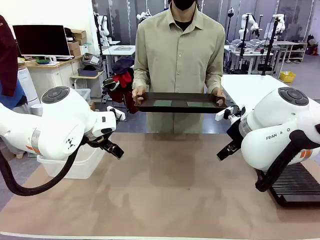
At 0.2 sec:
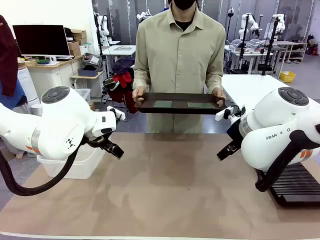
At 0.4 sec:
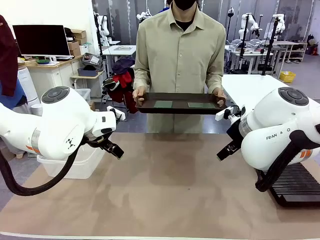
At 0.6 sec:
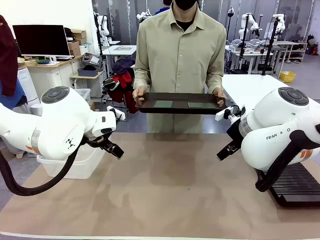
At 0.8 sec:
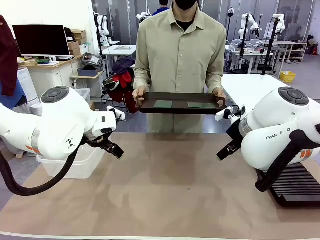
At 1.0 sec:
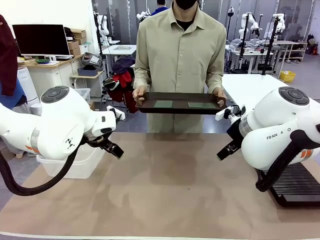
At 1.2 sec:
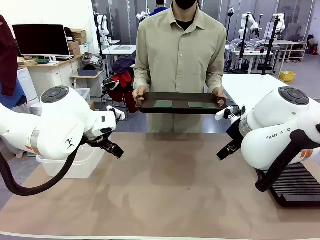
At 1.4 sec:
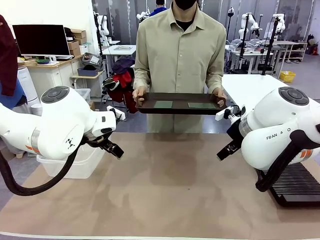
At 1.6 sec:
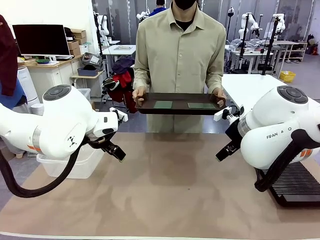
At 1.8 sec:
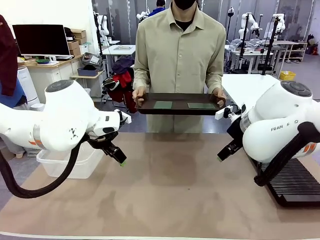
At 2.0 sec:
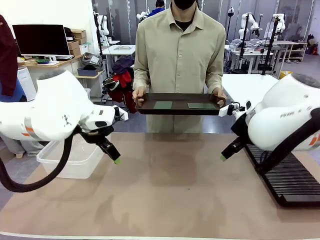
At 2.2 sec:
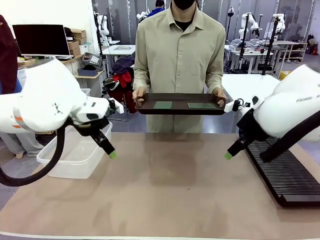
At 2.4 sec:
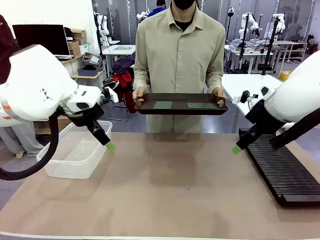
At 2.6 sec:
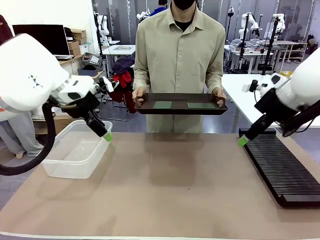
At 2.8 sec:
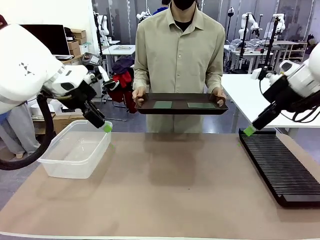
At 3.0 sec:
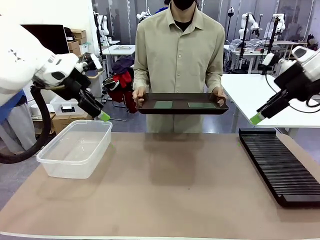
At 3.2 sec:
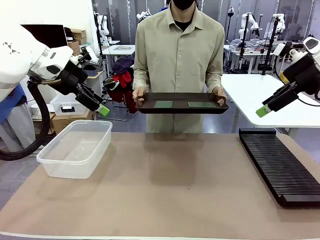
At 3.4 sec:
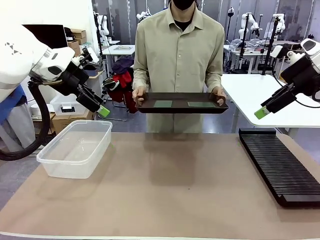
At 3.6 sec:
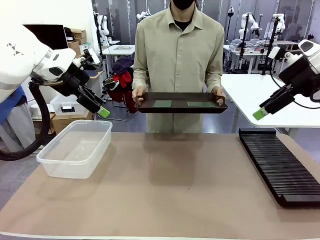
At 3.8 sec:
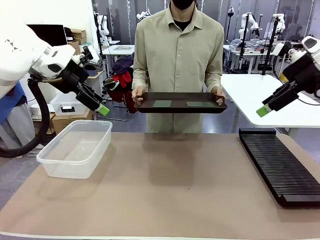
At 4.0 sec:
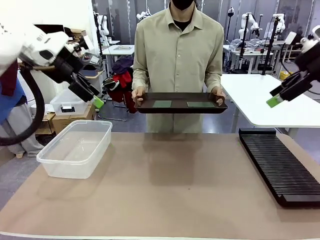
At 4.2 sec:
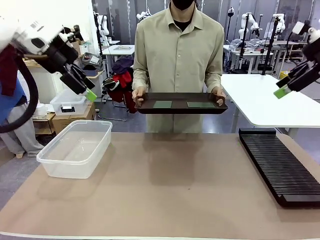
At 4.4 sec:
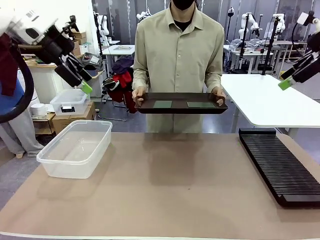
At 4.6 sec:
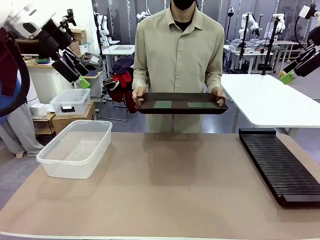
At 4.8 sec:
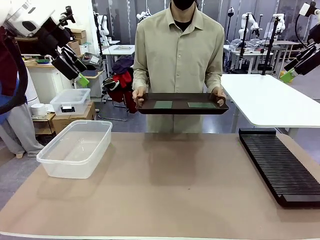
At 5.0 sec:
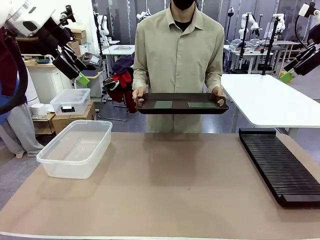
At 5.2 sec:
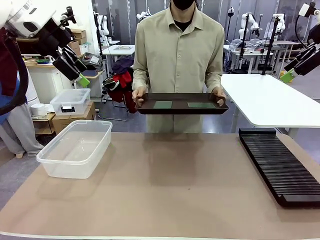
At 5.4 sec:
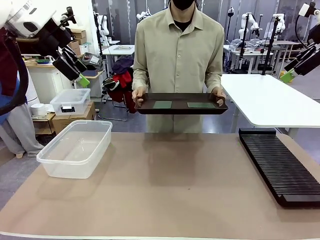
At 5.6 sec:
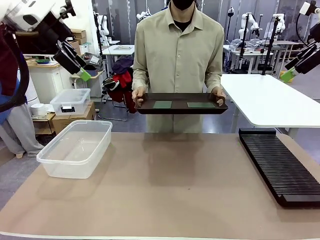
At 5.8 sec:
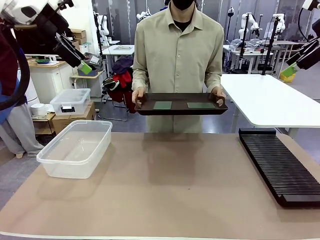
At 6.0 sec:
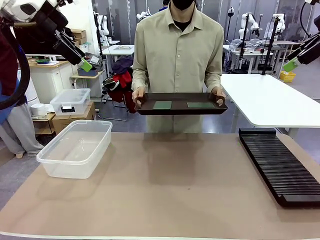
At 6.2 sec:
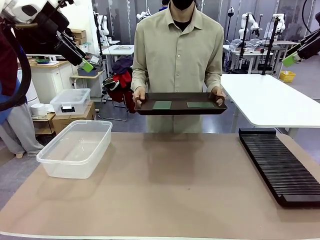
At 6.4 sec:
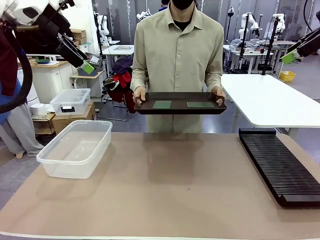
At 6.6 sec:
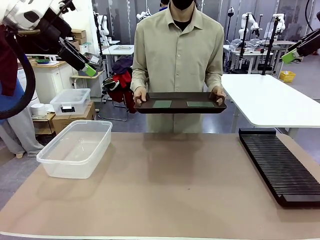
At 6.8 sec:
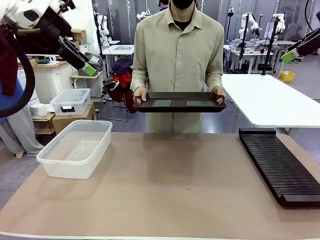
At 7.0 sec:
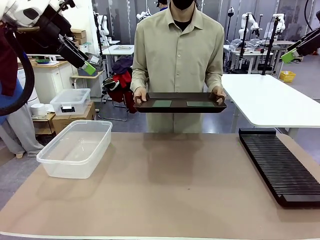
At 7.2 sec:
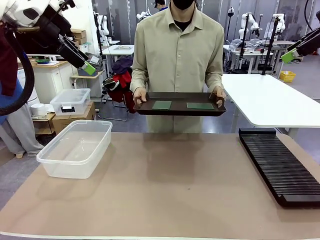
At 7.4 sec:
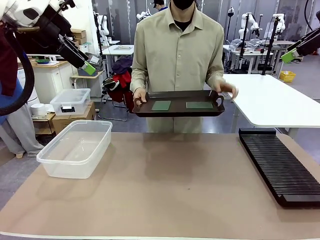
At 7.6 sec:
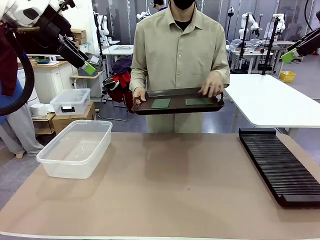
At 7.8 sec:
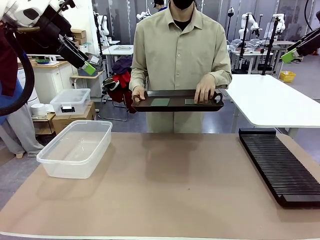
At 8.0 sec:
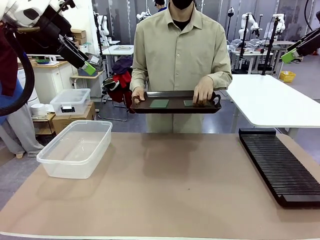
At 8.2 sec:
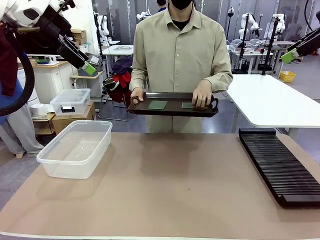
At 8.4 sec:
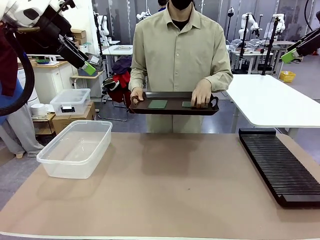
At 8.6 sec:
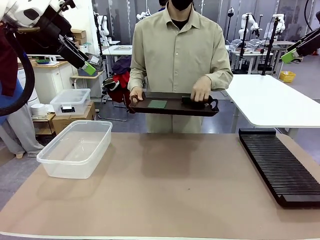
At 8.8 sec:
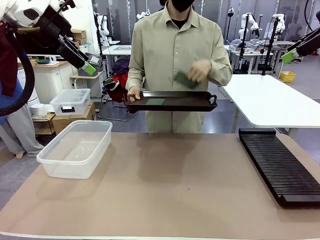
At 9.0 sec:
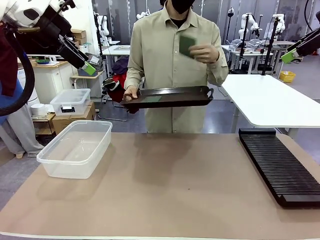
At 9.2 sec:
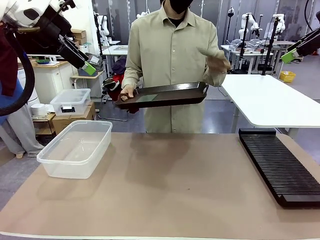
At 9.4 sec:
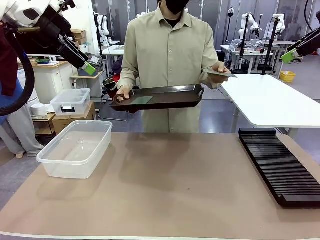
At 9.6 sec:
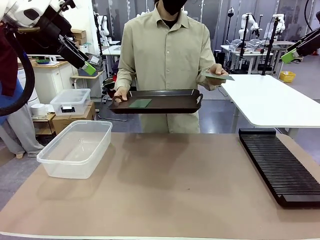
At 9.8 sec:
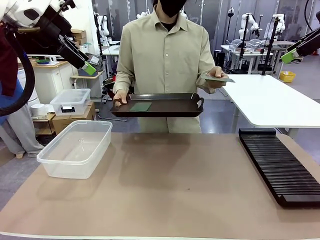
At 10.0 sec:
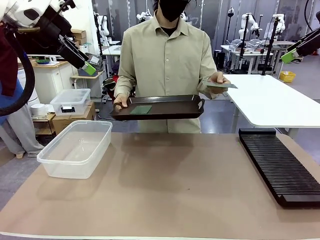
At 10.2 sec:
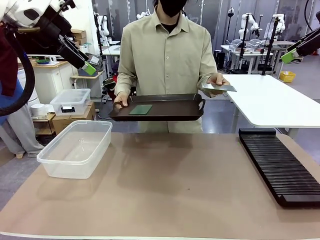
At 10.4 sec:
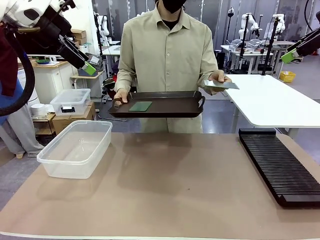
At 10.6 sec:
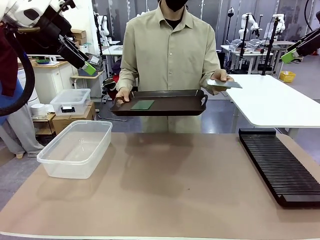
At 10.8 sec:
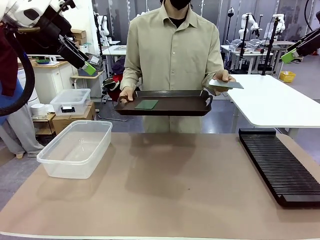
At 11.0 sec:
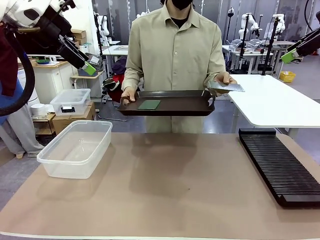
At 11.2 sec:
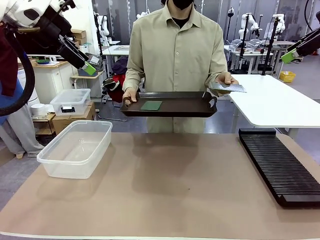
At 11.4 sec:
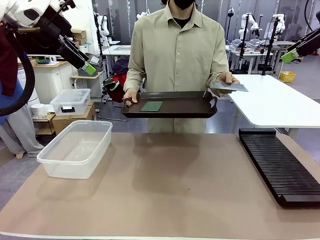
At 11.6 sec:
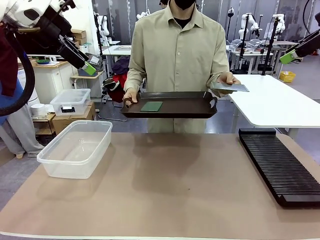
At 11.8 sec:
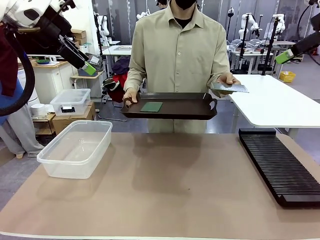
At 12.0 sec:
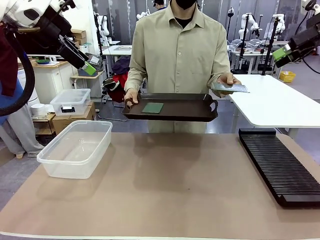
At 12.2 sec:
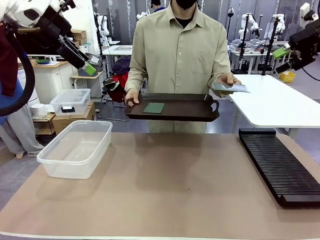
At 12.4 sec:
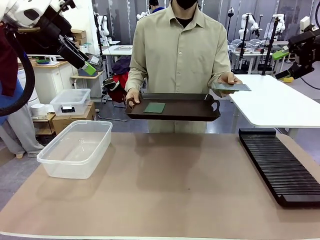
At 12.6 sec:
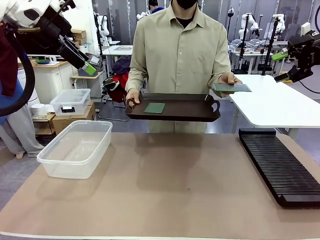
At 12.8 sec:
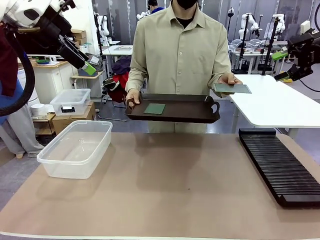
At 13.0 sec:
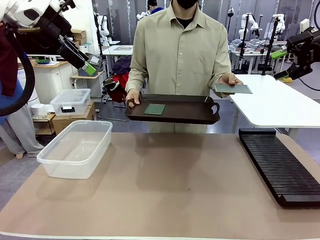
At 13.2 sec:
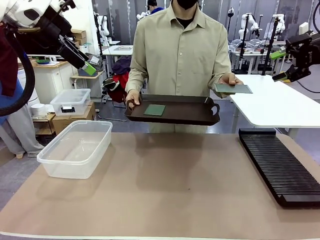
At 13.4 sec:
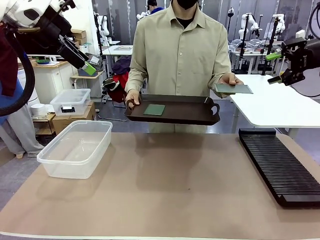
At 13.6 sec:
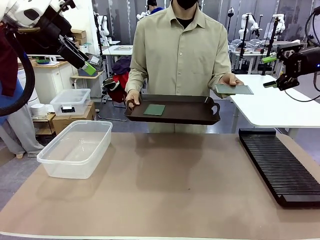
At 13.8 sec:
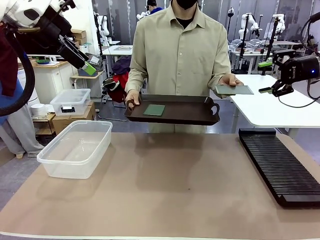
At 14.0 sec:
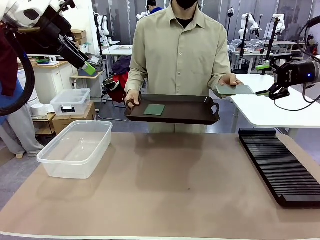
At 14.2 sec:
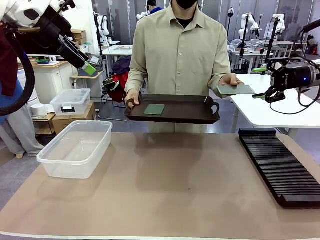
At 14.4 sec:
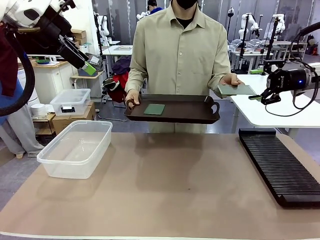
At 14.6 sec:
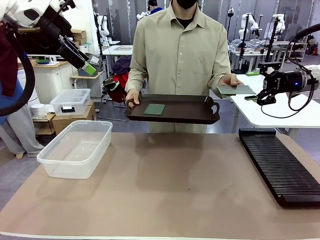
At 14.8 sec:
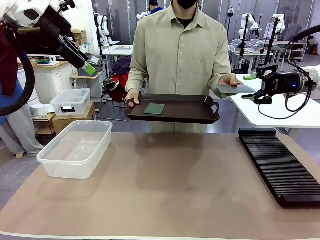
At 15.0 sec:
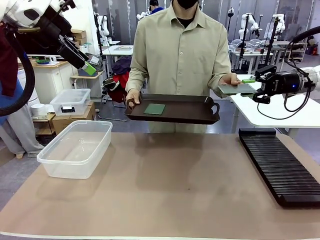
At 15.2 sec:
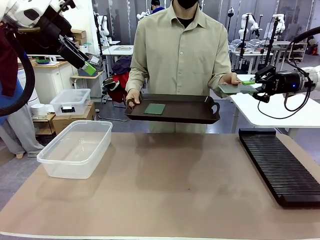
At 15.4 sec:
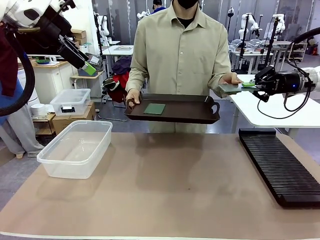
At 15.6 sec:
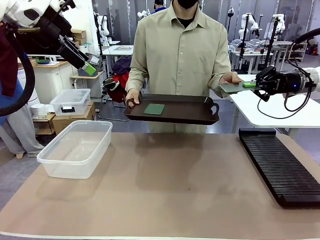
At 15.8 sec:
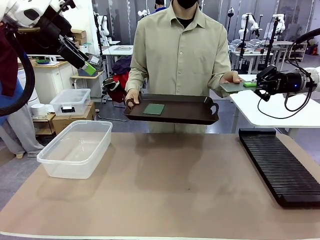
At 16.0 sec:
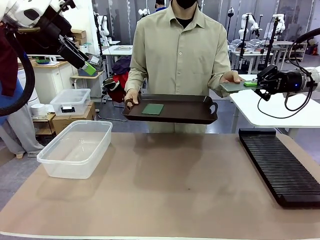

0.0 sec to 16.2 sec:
Task: Sort PCBs into racks and boxes based on the side picked up.
Robot: Pick up the Blank PCB handed by the Human.
Person: Pick one PCB from the tray and present it to the robot. Release the PCB being held.
